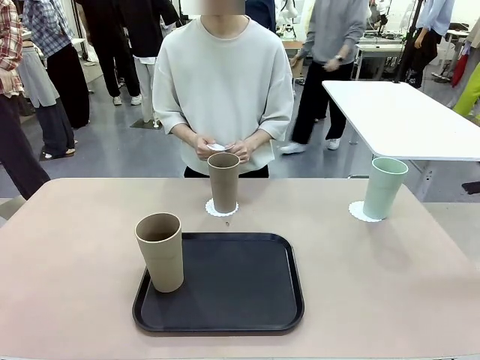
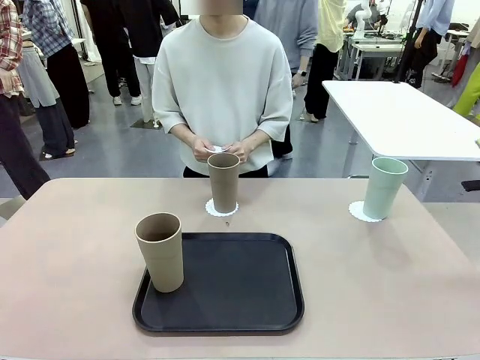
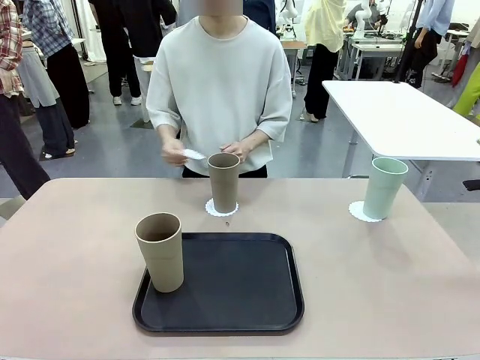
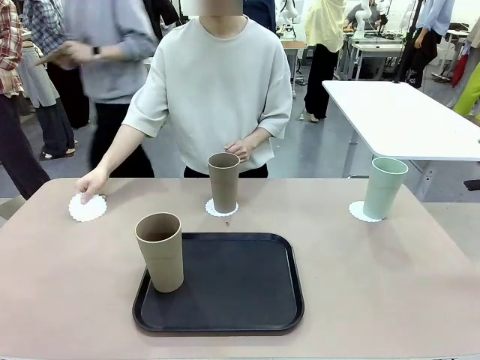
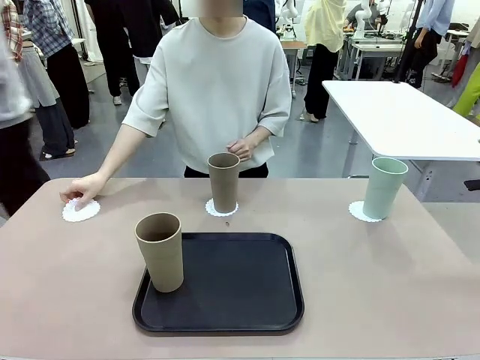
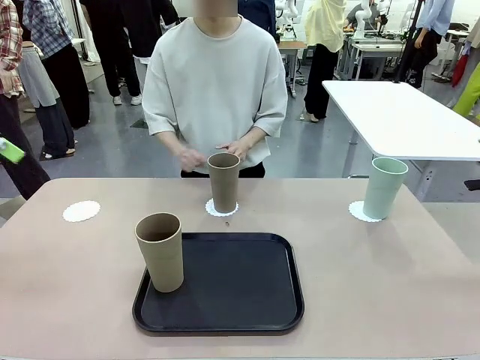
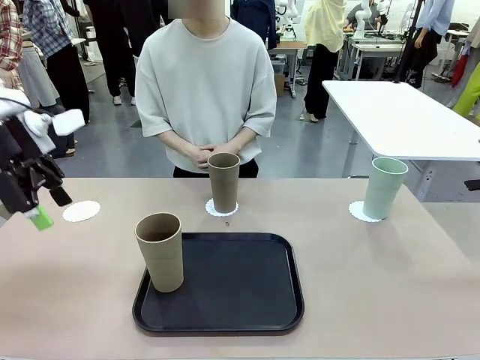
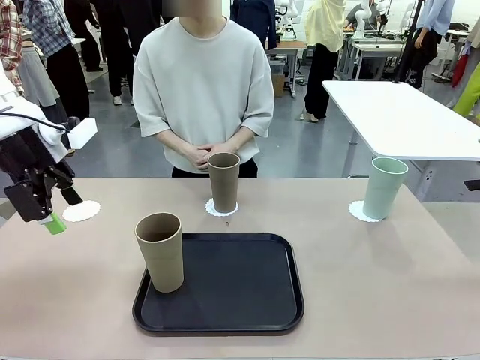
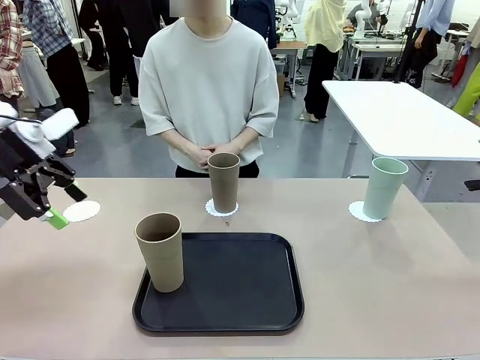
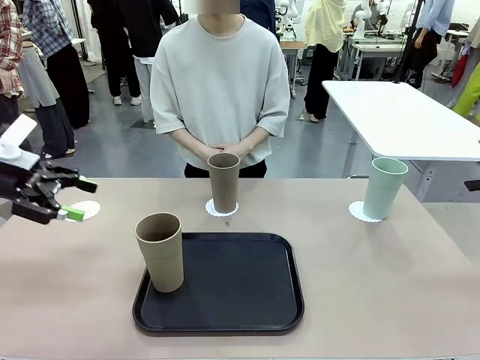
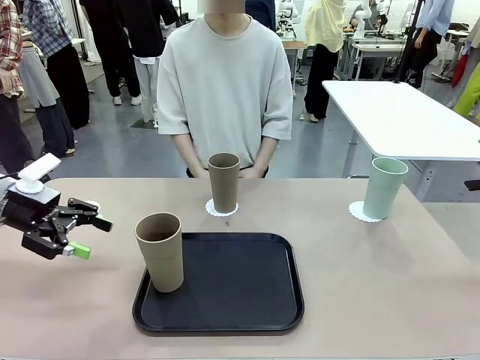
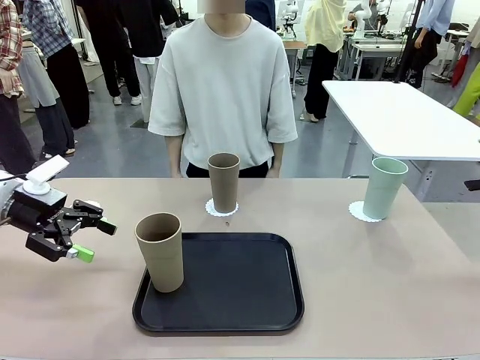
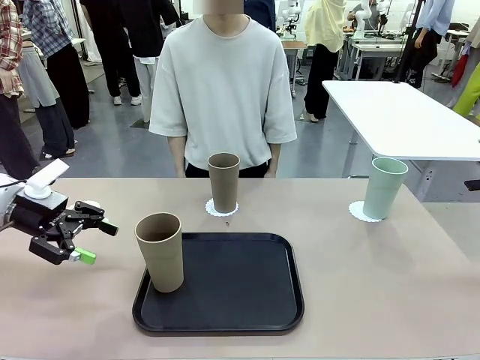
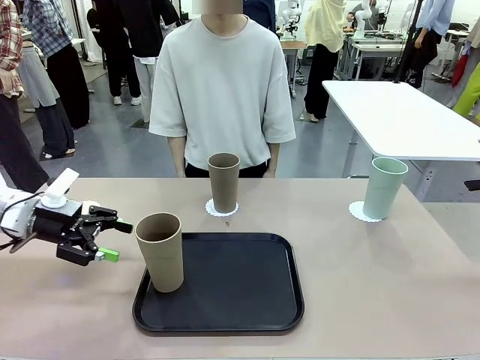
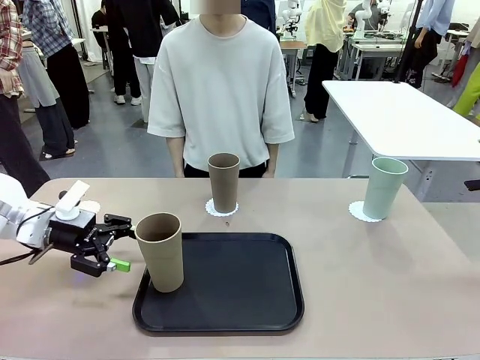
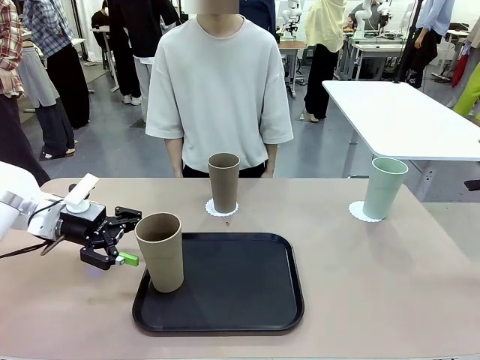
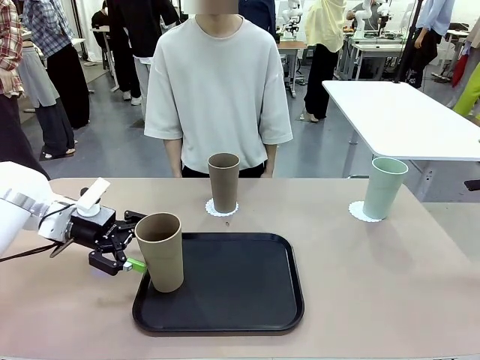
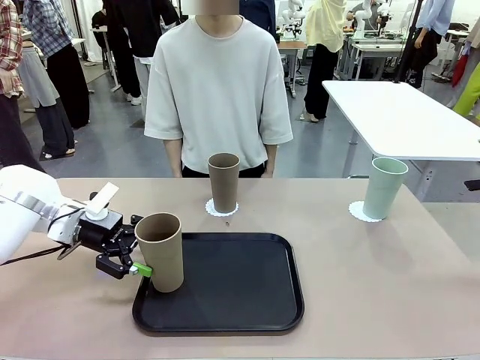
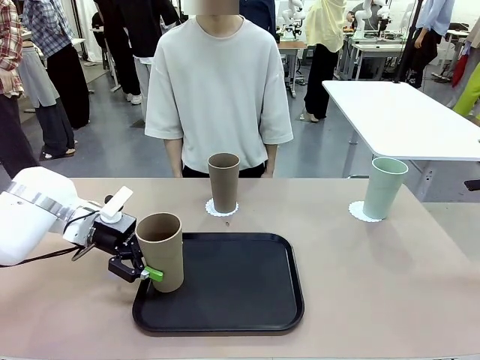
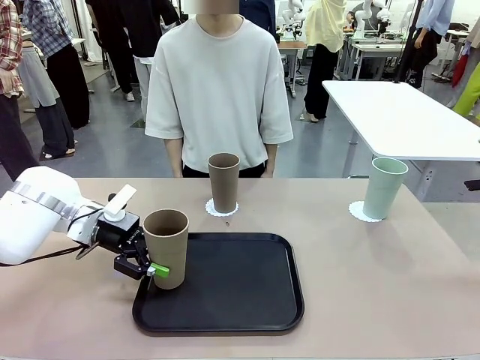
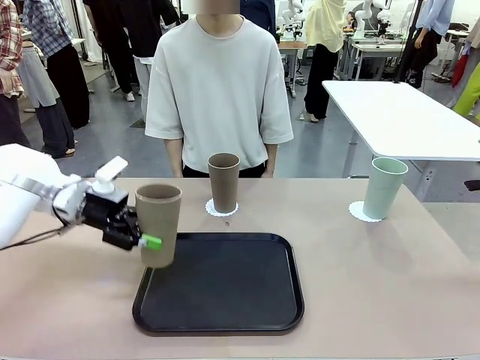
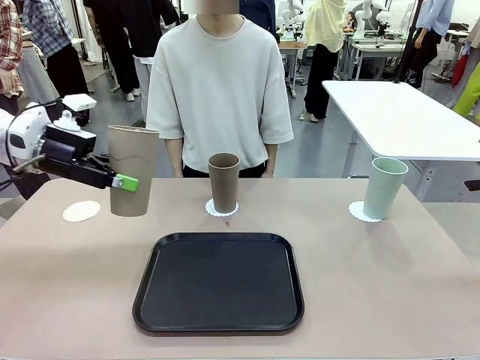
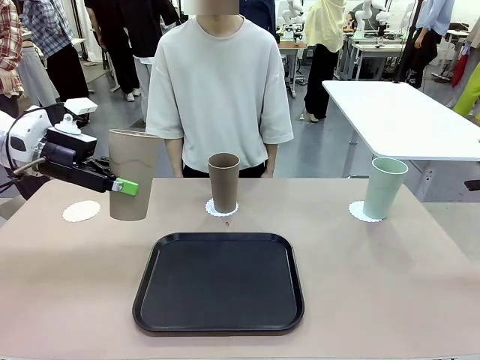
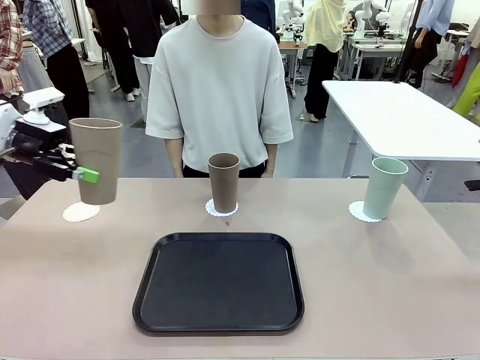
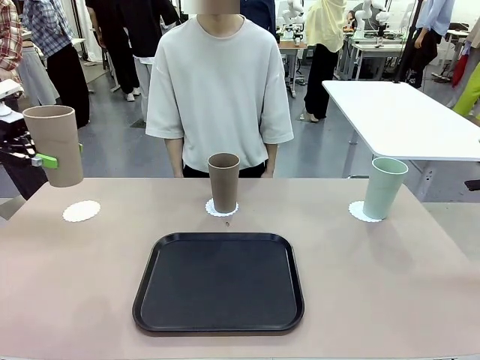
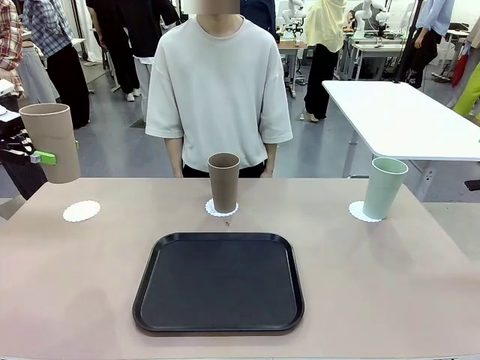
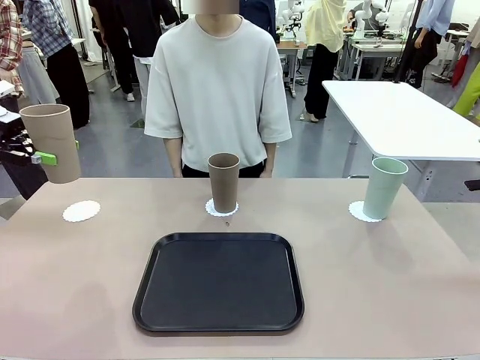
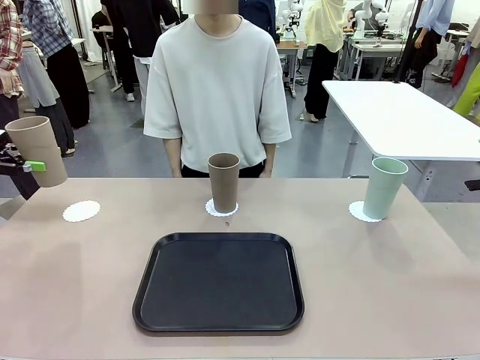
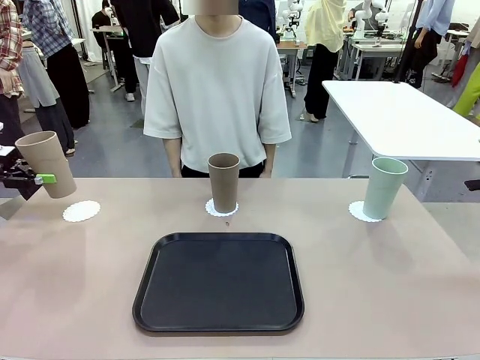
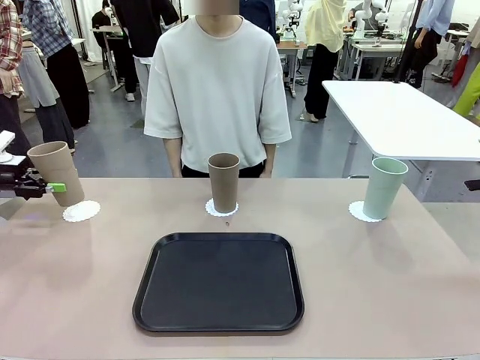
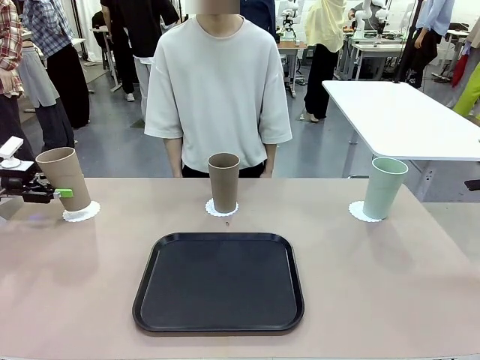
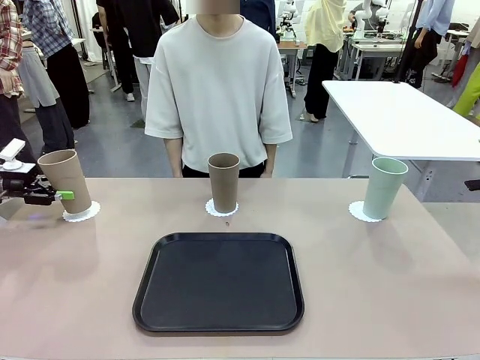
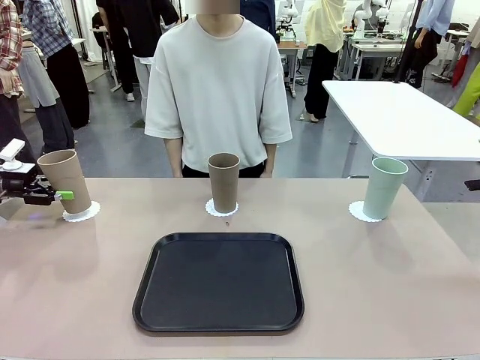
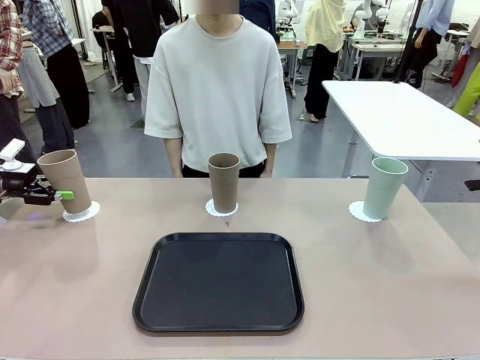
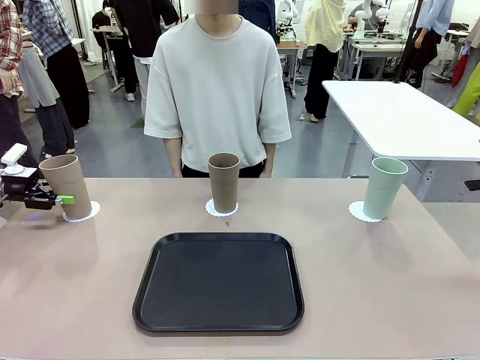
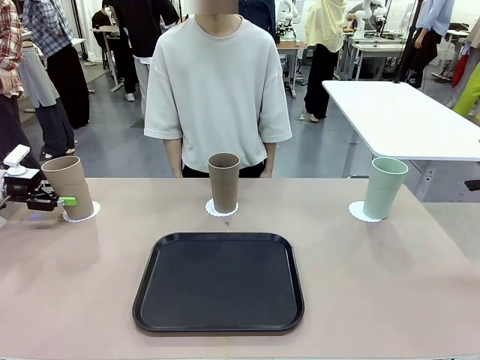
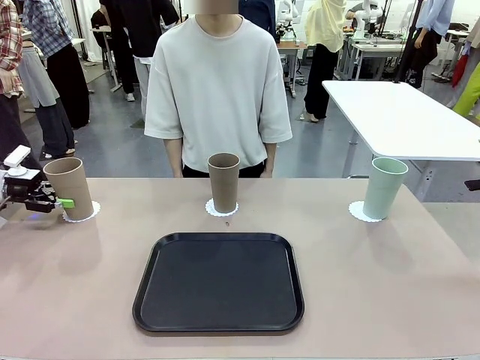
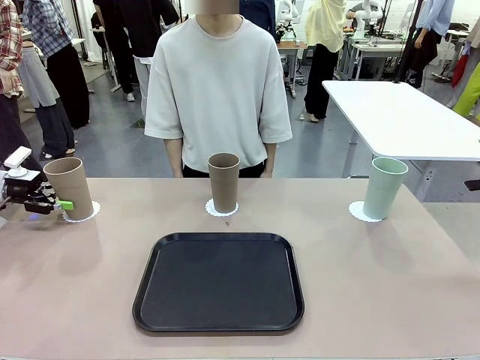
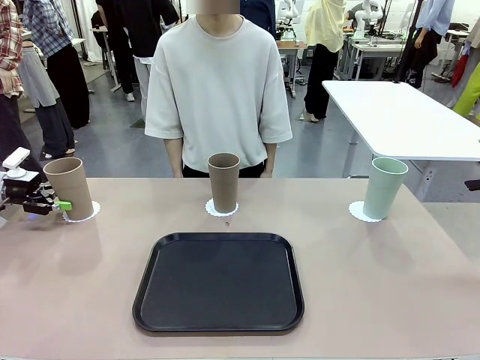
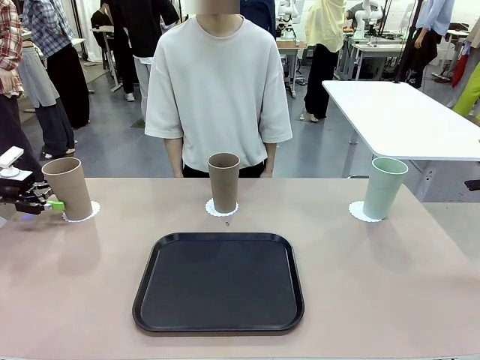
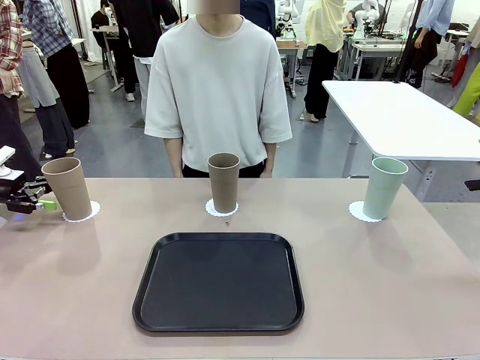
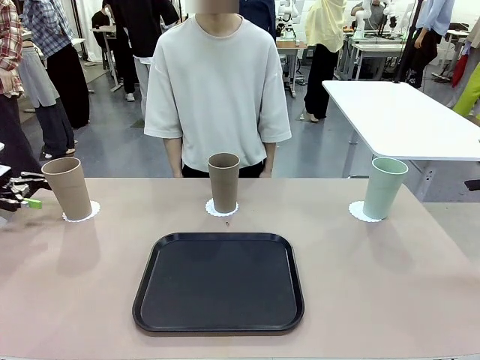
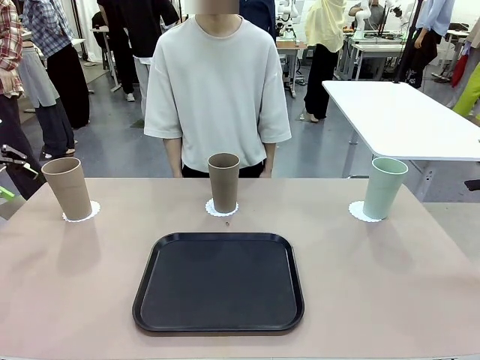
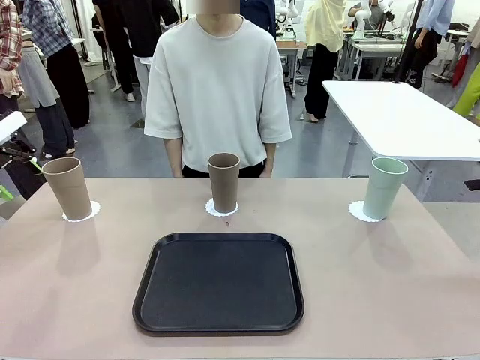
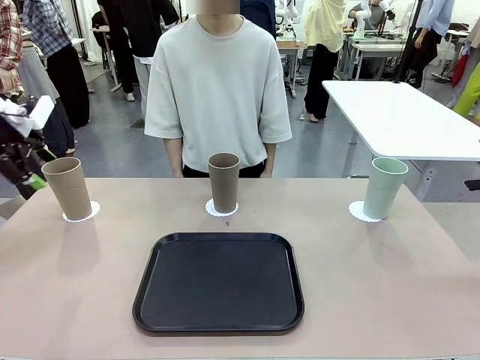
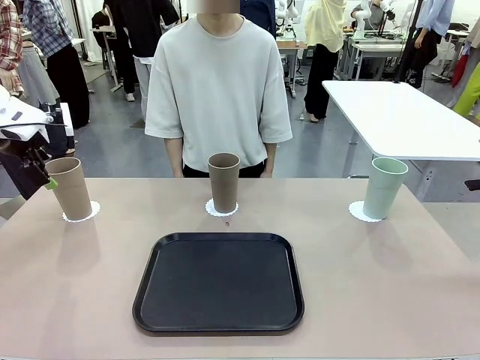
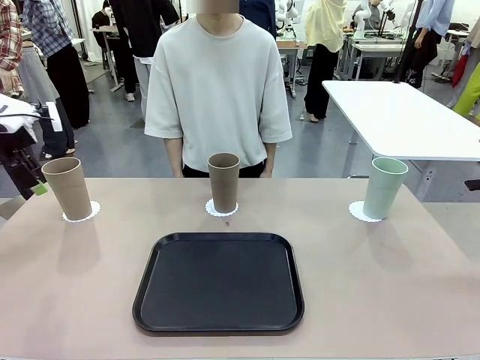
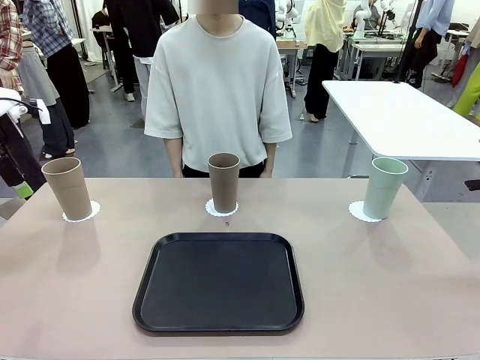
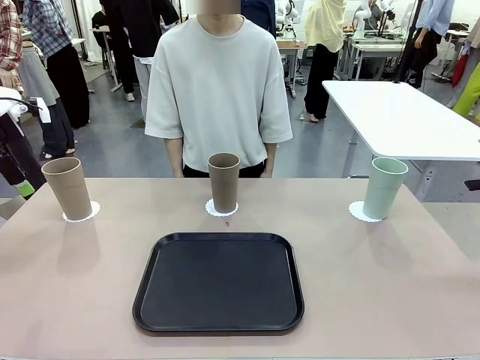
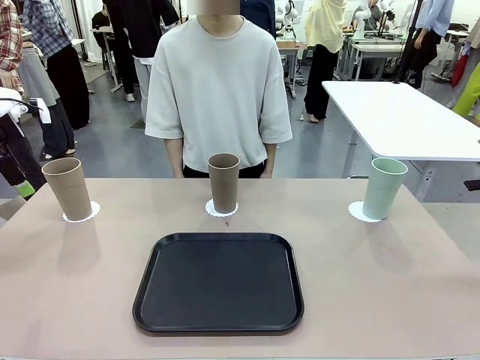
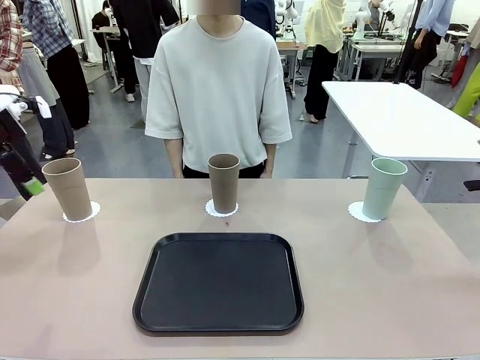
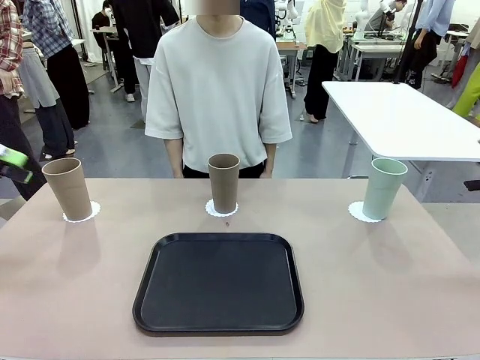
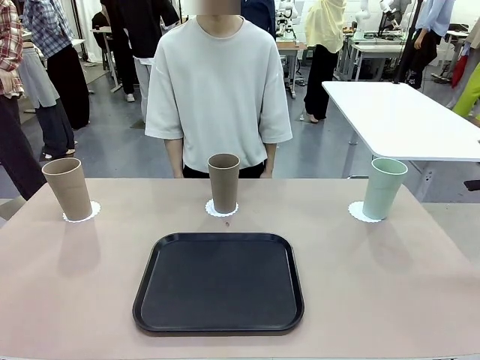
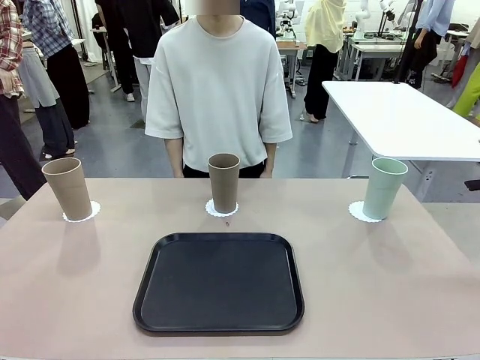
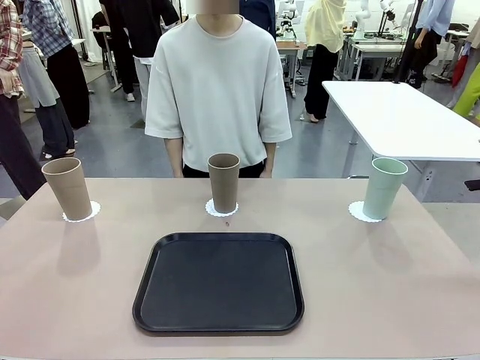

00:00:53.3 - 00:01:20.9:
Task: Place coasters on the table and set cups on them.
Robot: Take one Reusable plastic cup from the Flat Tray and place it on a coaster set by the human.
Person: Place one coaster in the only remaining area.
